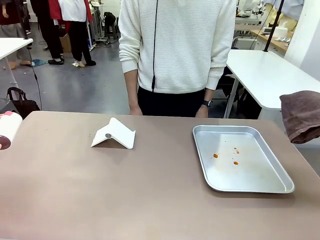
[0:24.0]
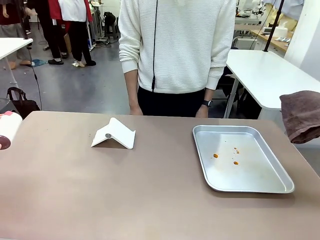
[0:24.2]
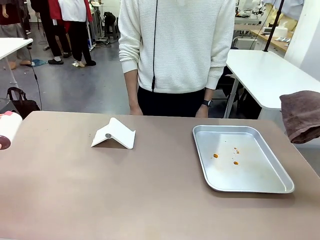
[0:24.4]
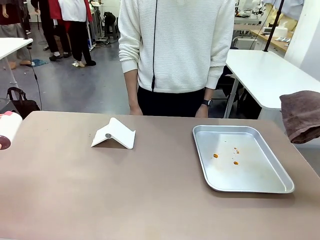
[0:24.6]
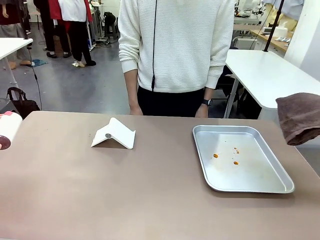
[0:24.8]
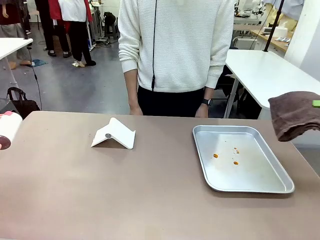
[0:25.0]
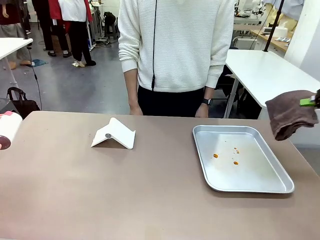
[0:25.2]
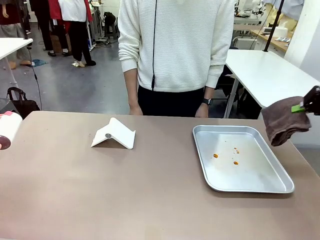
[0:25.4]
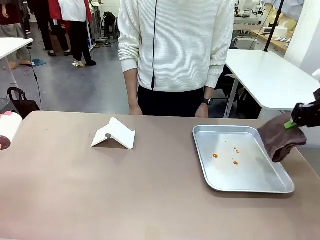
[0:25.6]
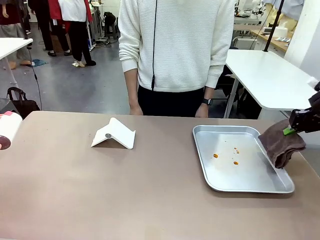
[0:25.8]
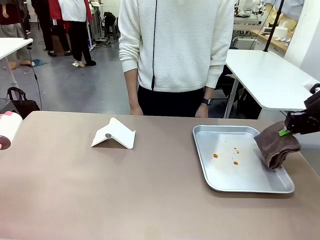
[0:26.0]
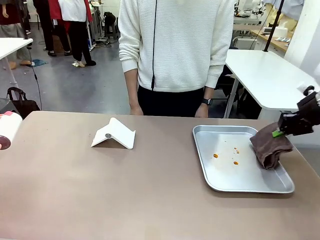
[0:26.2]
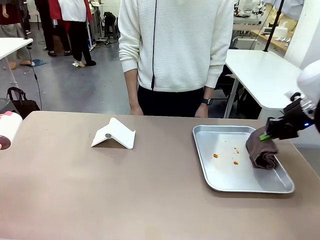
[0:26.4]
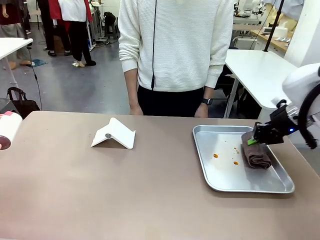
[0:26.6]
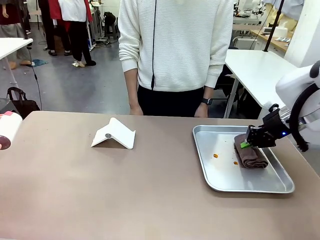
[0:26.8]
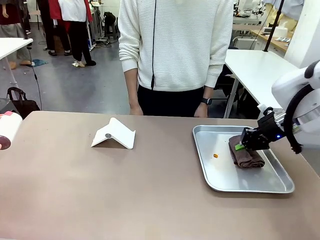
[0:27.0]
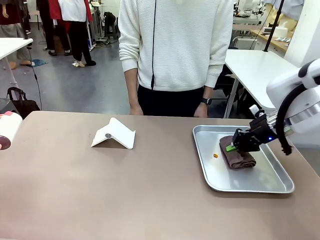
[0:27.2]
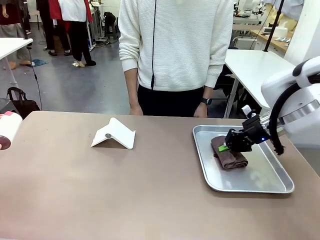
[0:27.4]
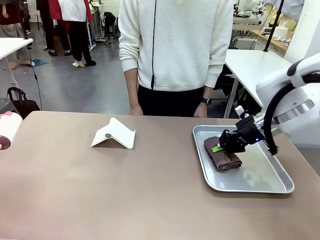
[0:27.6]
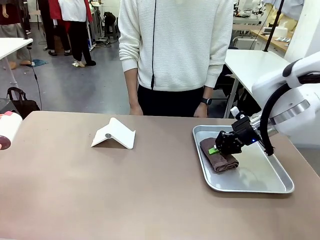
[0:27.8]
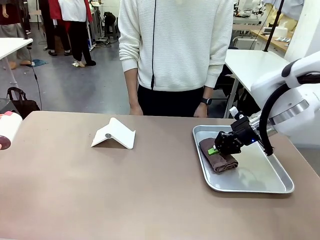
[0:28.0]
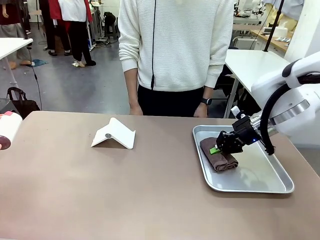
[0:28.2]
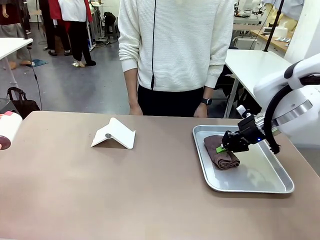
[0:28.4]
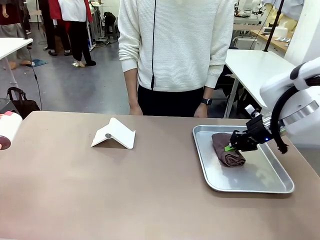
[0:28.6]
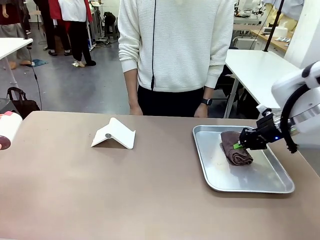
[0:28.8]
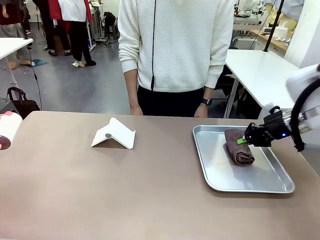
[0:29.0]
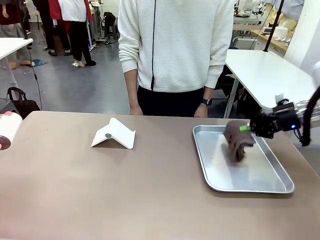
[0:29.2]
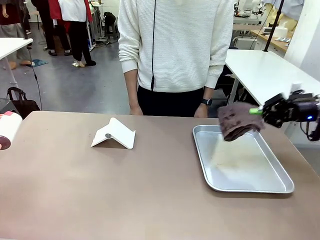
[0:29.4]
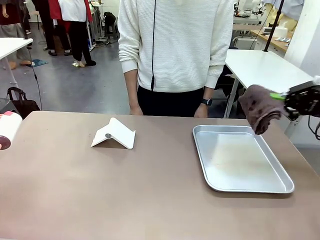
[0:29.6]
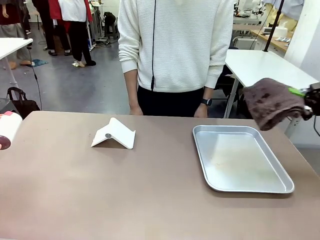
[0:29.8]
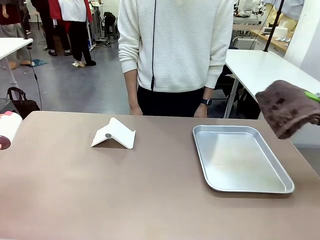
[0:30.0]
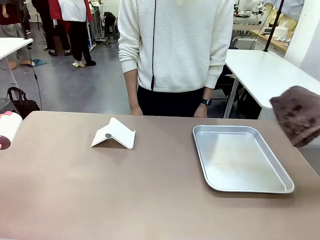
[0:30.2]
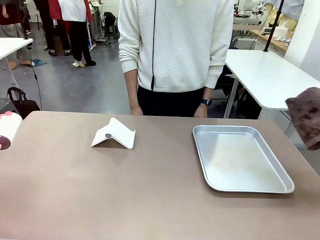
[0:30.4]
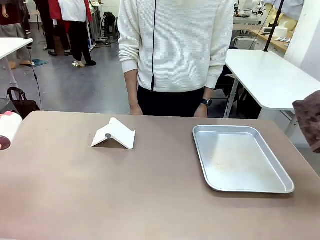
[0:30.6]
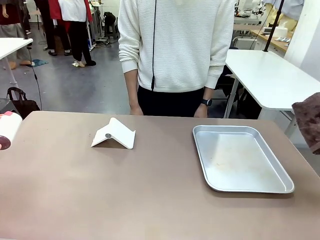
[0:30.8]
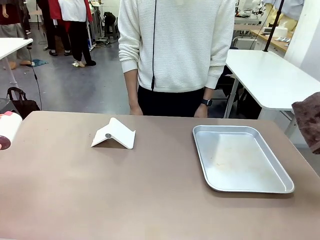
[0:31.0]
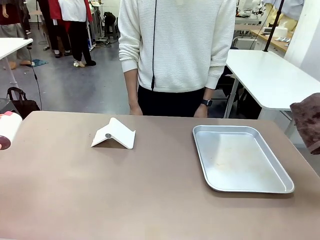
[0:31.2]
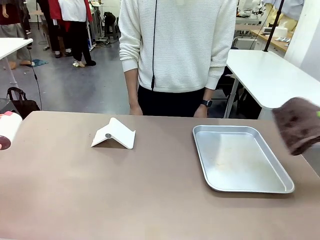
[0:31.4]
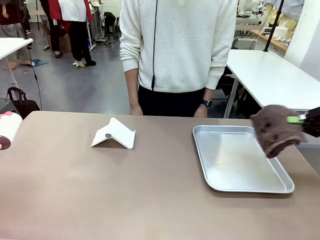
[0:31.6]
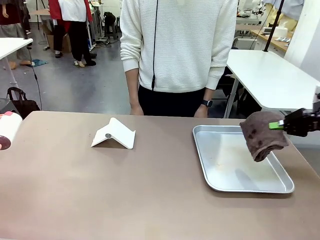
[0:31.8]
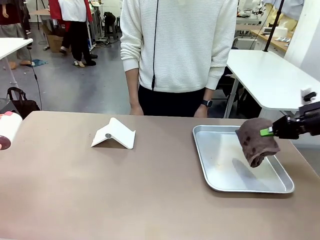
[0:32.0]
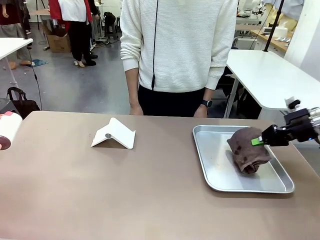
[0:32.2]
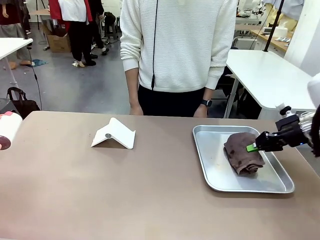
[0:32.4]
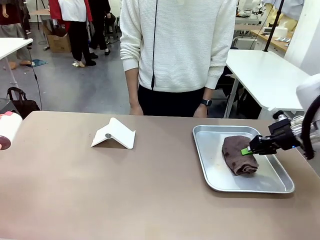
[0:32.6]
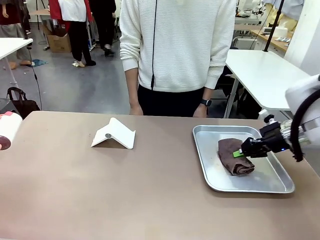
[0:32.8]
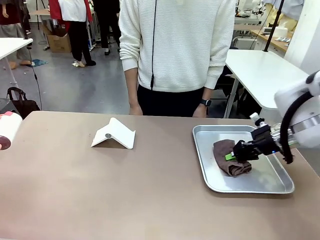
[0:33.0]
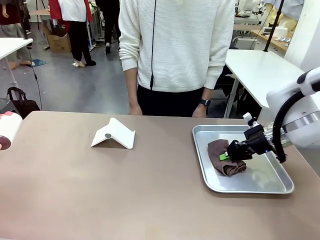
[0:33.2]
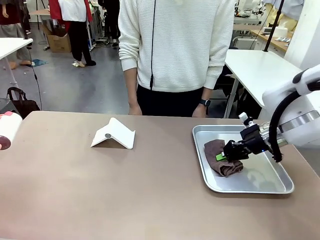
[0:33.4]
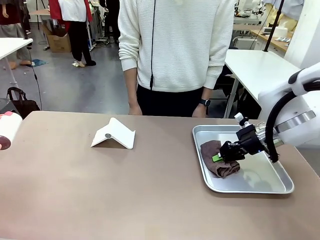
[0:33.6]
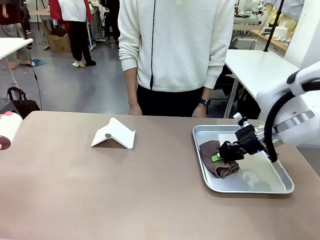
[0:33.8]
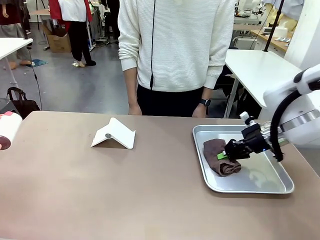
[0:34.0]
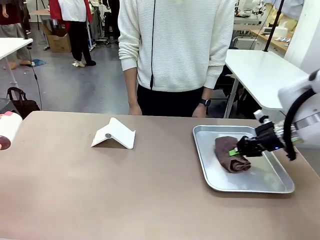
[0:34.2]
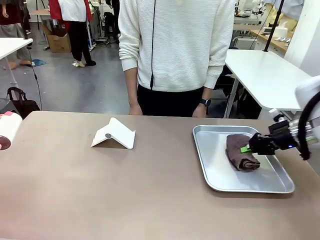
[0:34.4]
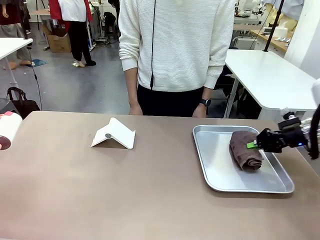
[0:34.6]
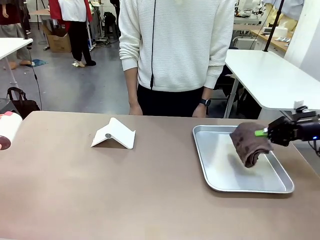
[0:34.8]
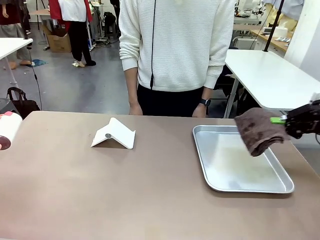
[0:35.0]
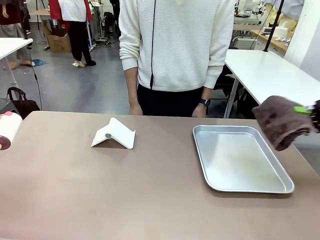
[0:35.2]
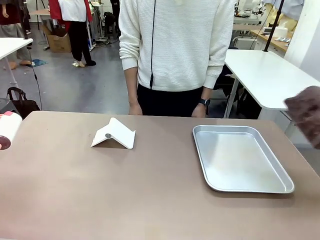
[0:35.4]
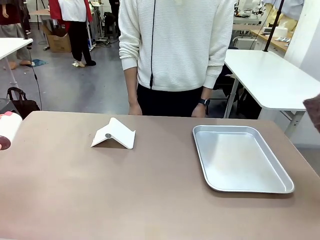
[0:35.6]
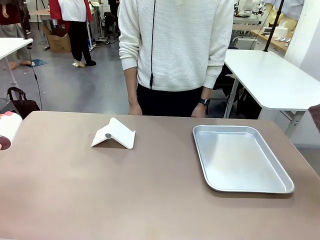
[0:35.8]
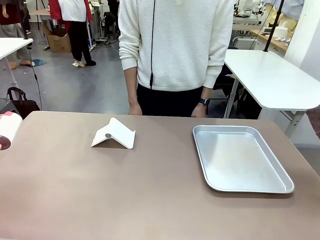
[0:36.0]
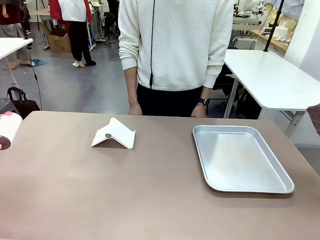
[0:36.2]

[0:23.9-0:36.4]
Task: Clean the surface of the table.
Robot: Clean the area not pointed to by the person.

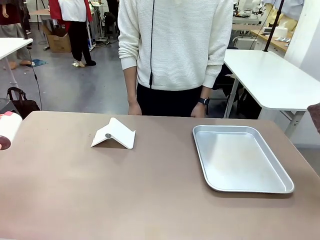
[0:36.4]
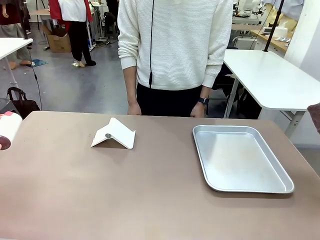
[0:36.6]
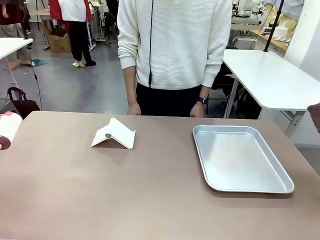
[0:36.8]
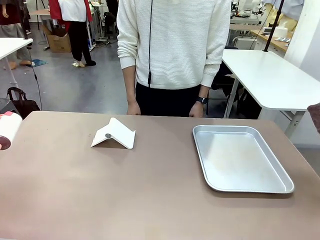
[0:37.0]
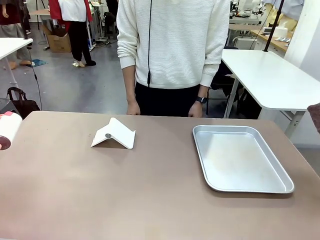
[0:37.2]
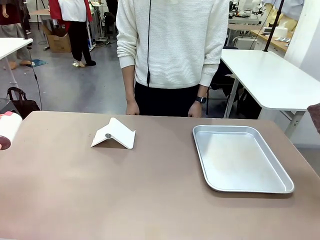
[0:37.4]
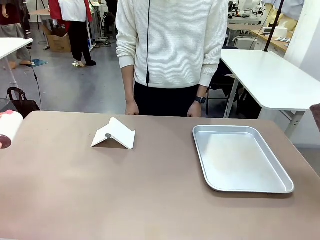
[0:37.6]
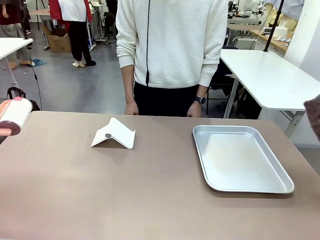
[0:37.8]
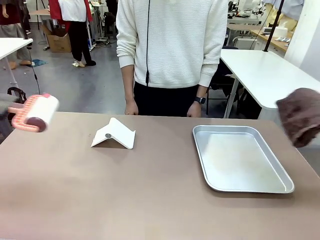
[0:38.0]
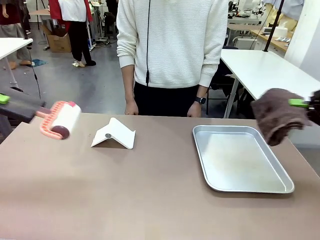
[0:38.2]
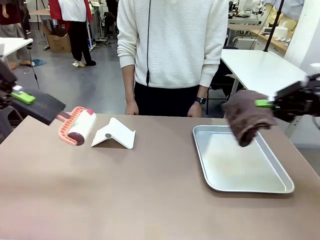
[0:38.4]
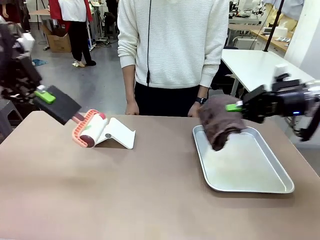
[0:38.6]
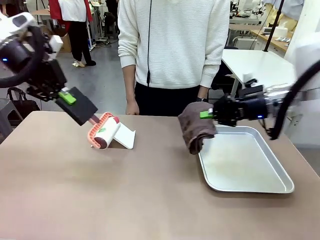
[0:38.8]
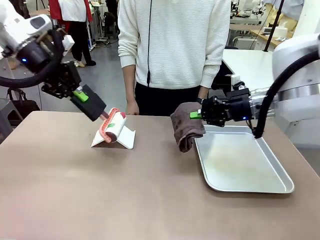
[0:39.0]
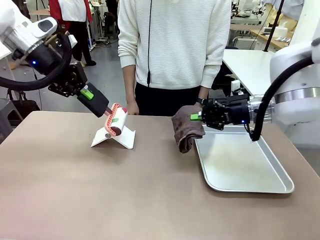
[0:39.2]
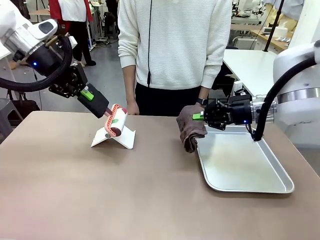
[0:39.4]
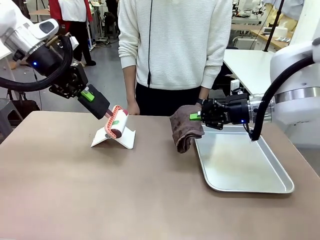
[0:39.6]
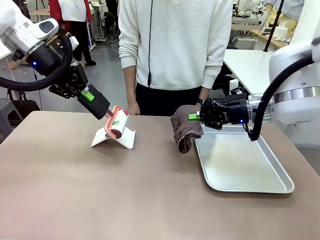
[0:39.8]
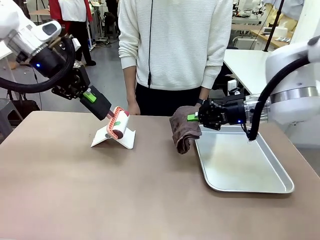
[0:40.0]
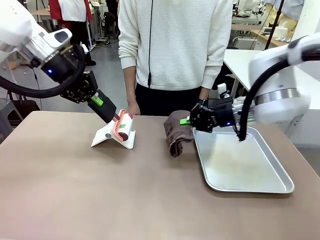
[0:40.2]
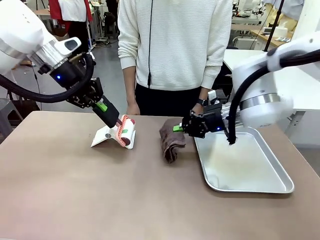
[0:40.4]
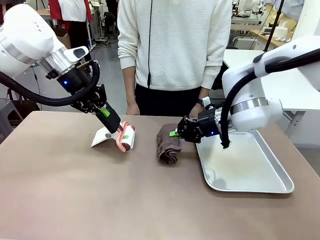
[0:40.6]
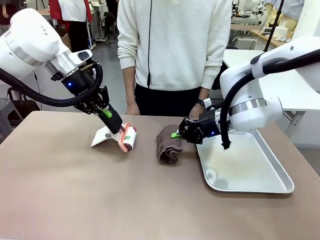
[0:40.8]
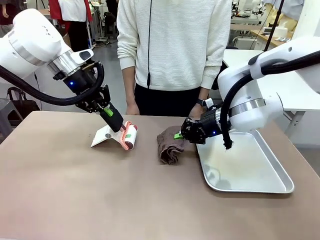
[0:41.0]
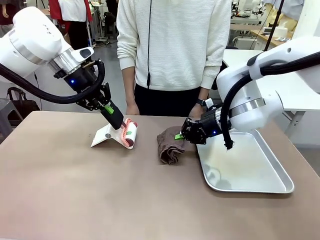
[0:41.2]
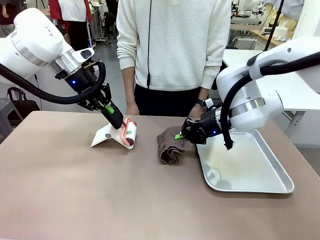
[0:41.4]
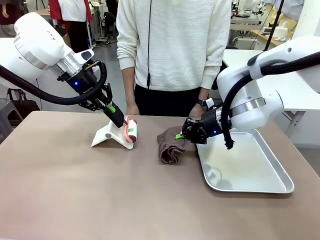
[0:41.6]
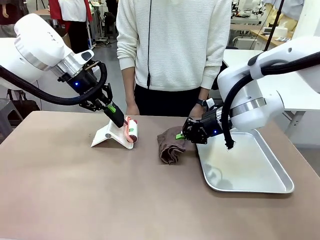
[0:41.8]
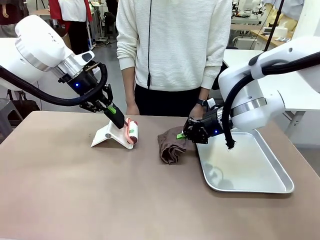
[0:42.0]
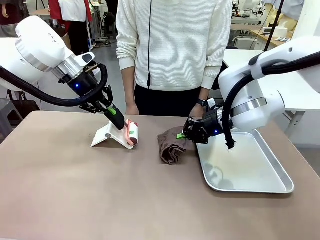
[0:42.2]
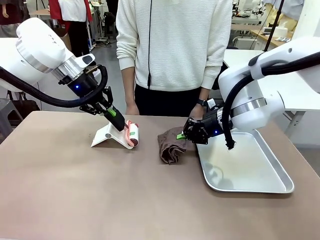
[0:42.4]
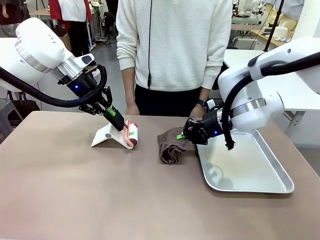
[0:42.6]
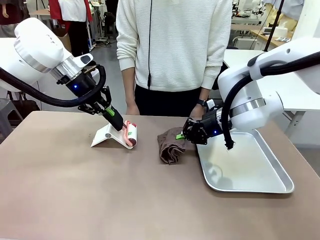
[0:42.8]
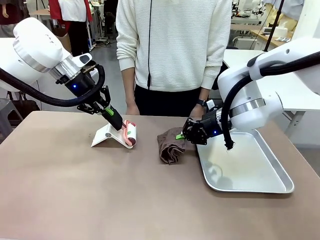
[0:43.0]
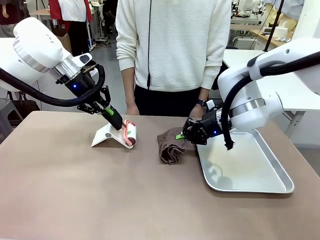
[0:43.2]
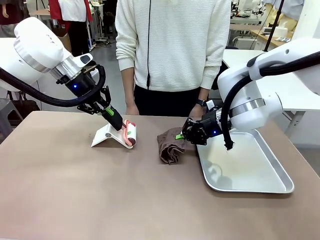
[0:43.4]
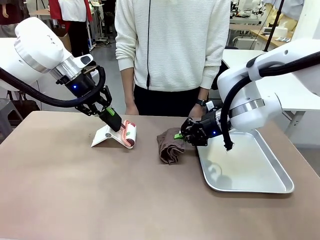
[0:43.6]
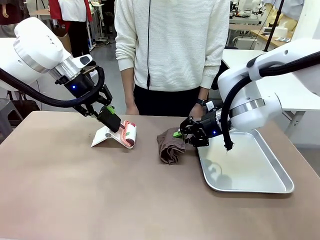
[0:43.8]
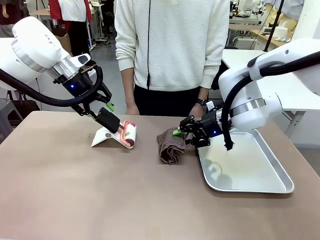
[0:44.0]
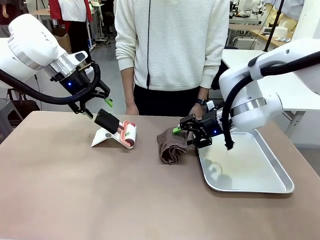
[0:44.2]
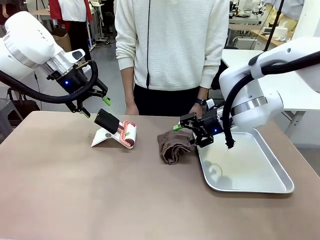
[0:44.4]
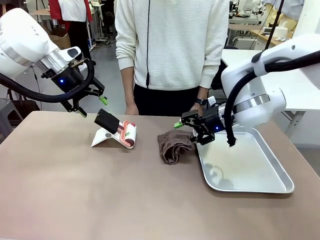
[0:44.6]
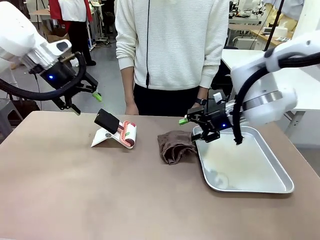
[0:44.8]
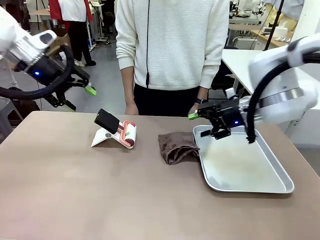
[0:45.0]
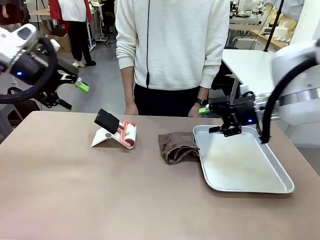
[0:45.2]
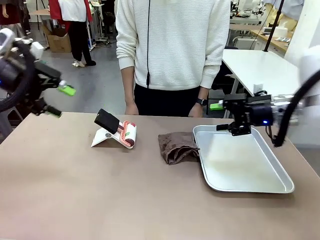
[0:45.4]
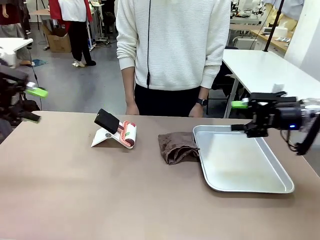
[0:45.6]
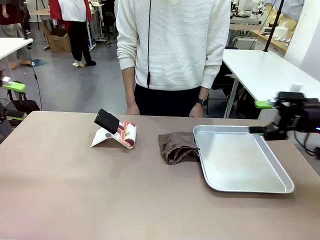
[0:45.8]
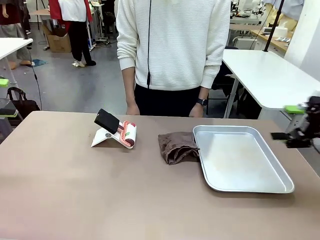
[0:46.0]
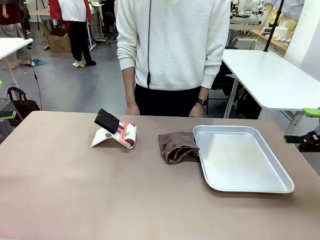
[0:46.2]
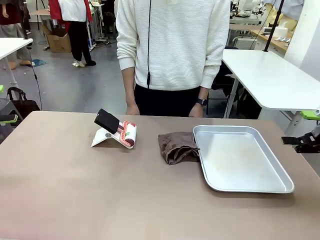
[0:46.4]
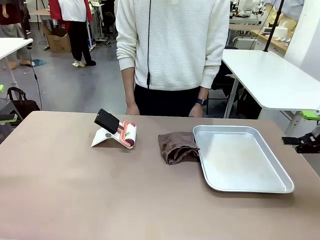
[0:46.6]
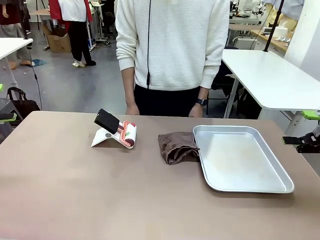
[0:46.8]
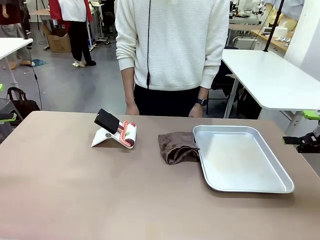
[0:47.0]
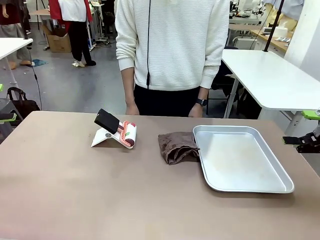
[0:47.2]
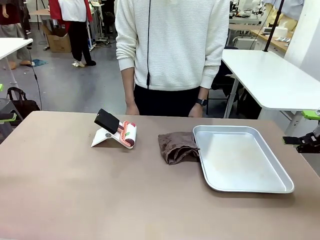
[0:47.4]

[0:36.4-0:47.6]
Robot: Return the Lint Roller and towel to their original positions.
